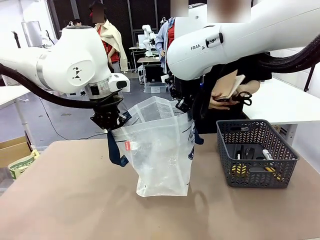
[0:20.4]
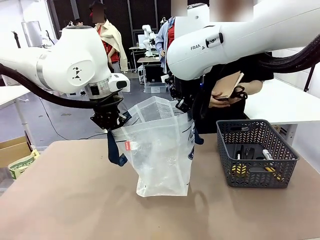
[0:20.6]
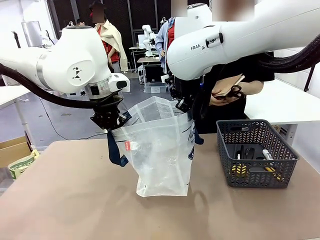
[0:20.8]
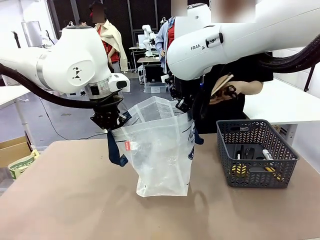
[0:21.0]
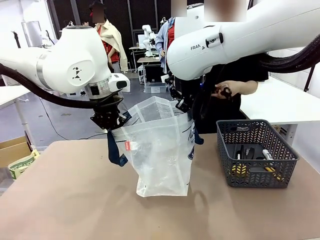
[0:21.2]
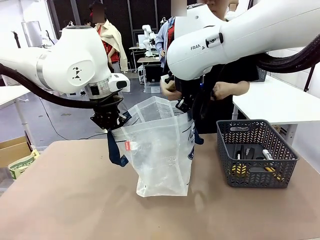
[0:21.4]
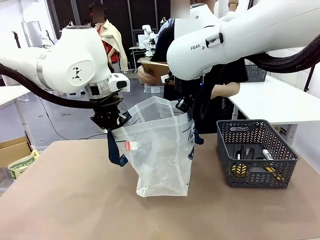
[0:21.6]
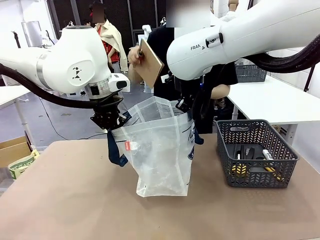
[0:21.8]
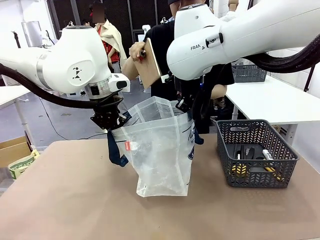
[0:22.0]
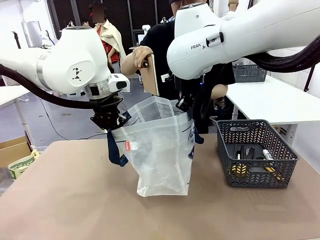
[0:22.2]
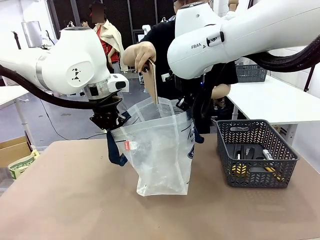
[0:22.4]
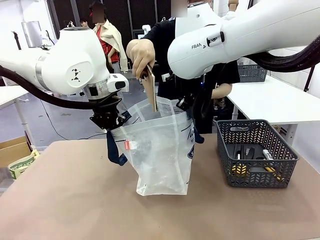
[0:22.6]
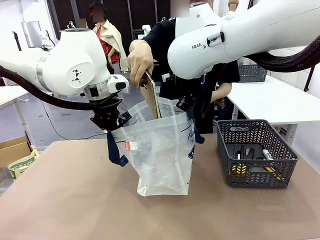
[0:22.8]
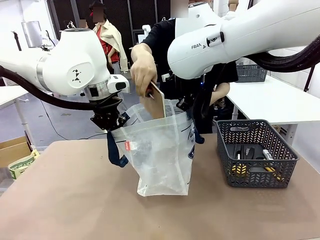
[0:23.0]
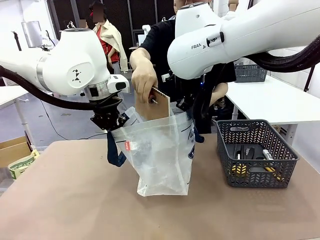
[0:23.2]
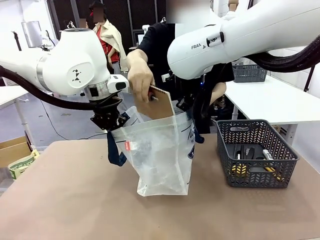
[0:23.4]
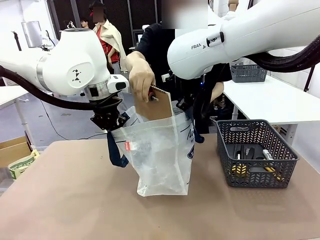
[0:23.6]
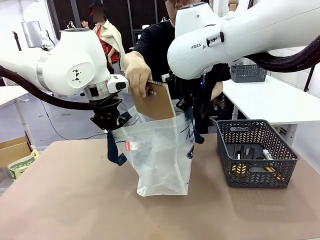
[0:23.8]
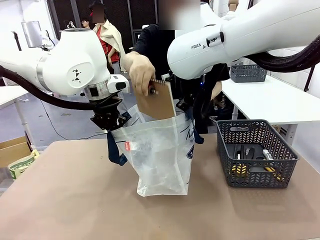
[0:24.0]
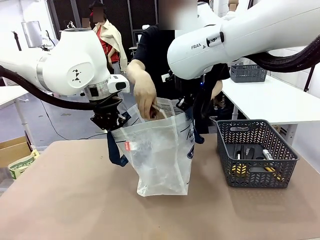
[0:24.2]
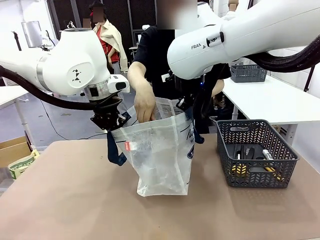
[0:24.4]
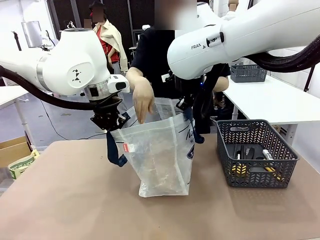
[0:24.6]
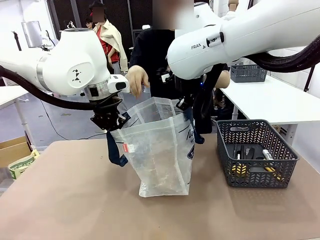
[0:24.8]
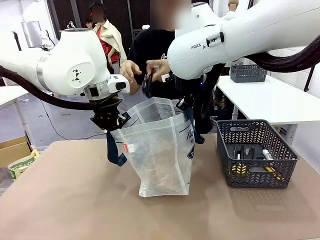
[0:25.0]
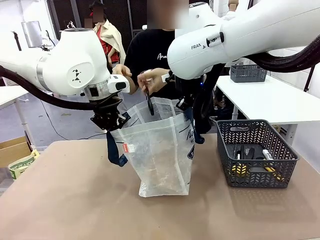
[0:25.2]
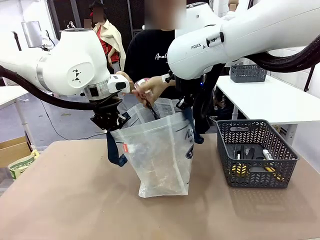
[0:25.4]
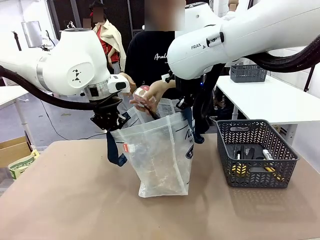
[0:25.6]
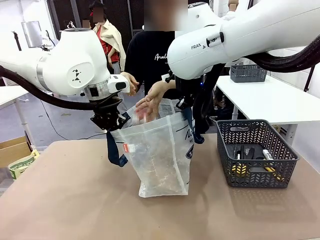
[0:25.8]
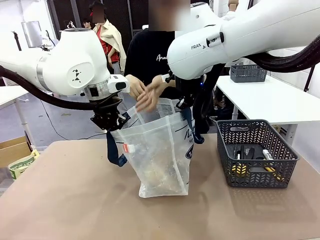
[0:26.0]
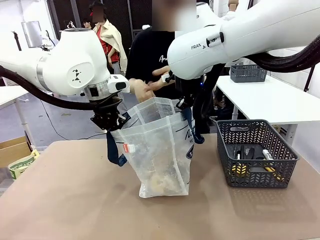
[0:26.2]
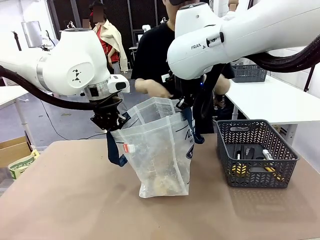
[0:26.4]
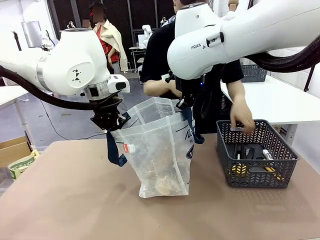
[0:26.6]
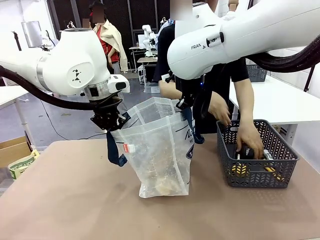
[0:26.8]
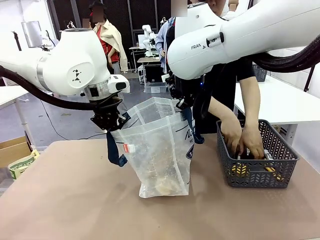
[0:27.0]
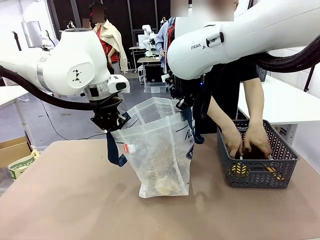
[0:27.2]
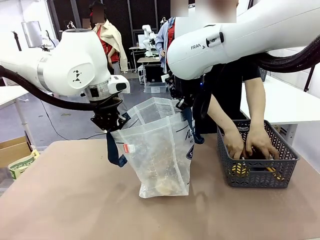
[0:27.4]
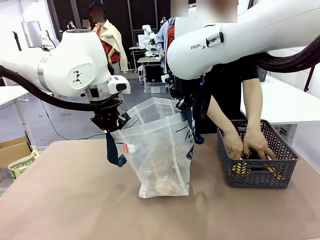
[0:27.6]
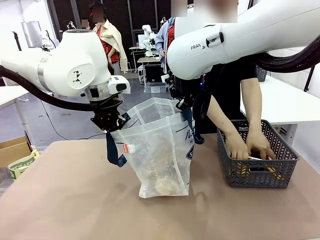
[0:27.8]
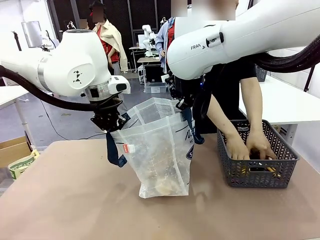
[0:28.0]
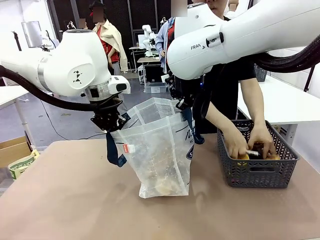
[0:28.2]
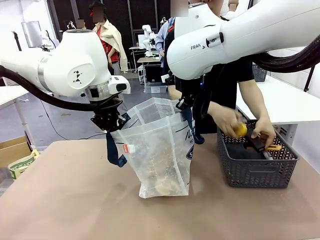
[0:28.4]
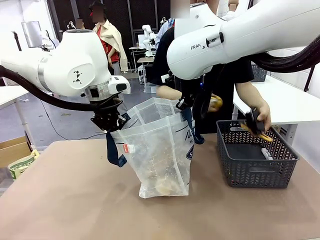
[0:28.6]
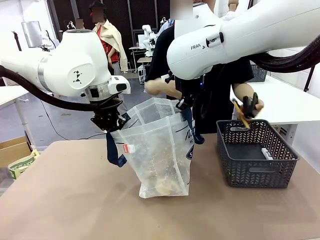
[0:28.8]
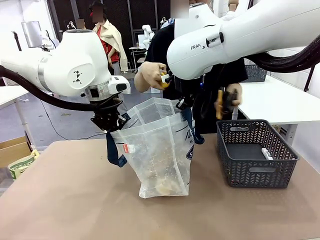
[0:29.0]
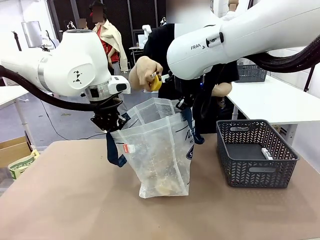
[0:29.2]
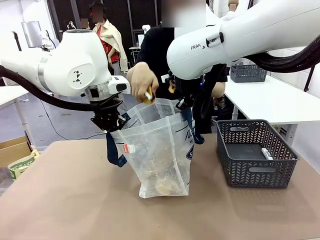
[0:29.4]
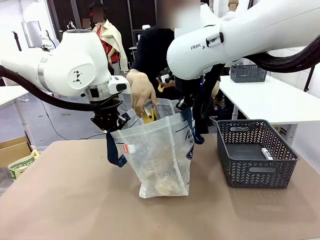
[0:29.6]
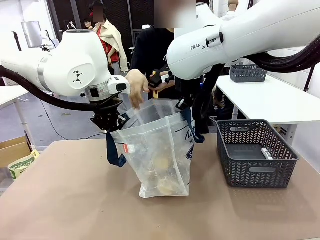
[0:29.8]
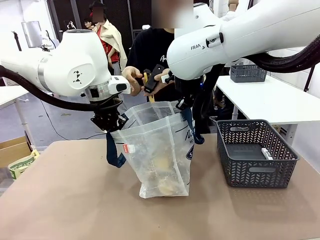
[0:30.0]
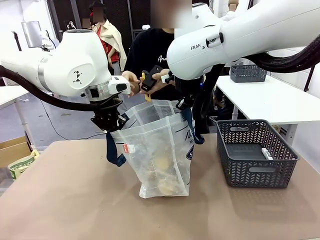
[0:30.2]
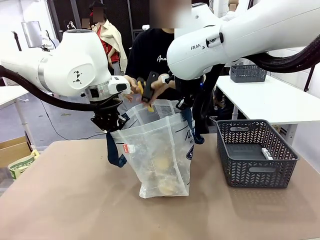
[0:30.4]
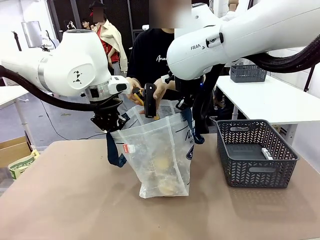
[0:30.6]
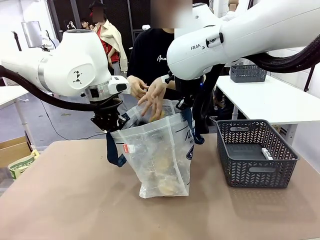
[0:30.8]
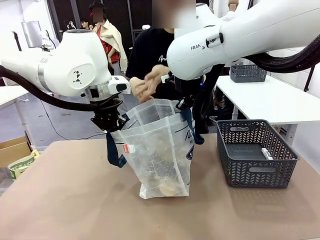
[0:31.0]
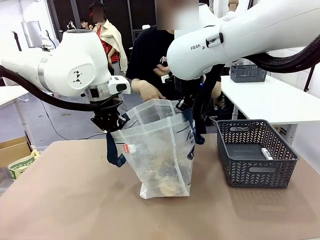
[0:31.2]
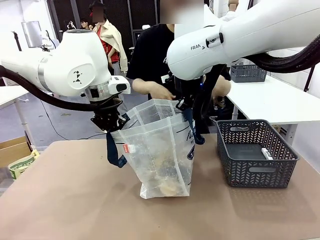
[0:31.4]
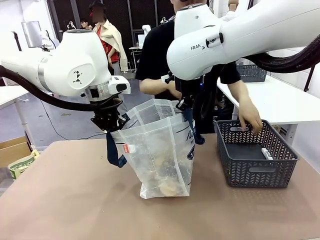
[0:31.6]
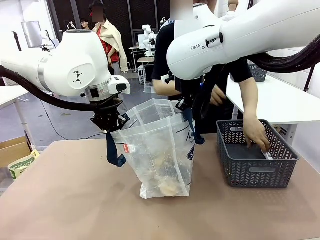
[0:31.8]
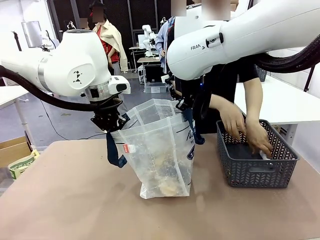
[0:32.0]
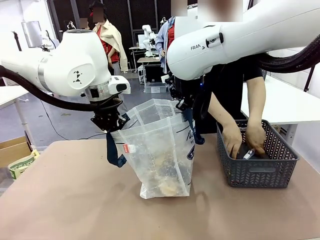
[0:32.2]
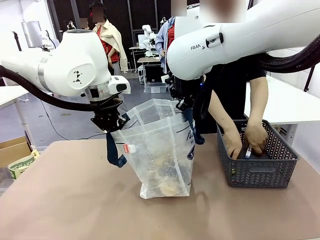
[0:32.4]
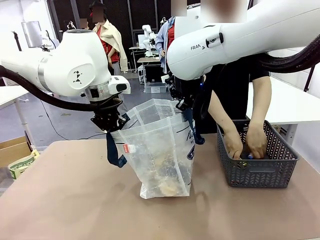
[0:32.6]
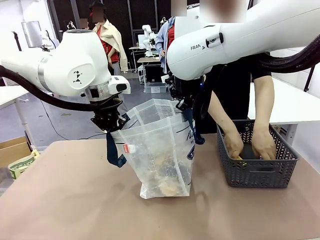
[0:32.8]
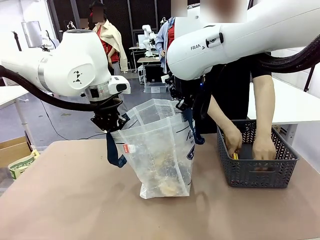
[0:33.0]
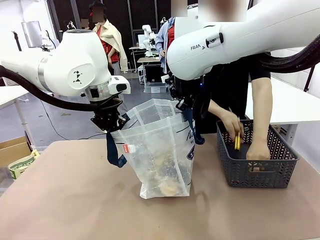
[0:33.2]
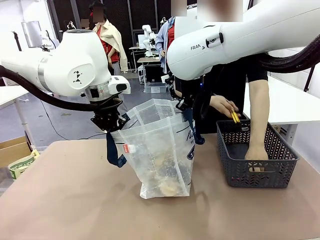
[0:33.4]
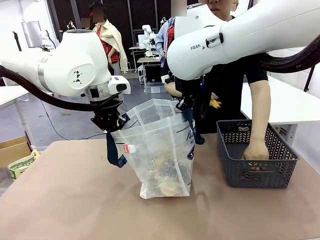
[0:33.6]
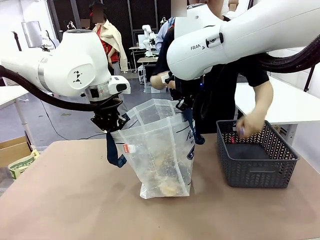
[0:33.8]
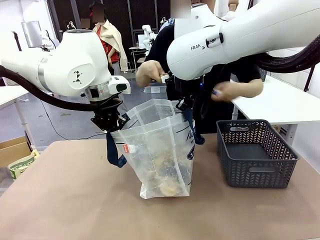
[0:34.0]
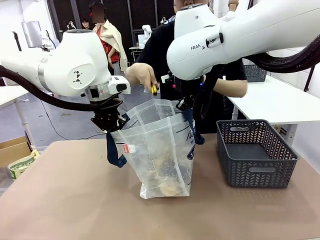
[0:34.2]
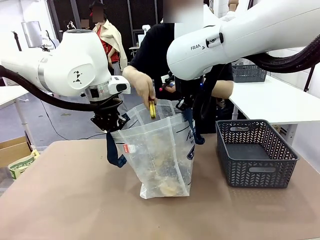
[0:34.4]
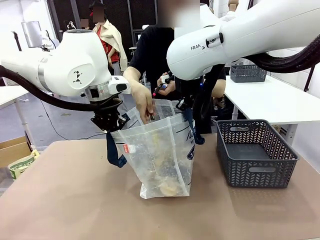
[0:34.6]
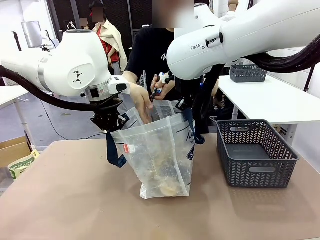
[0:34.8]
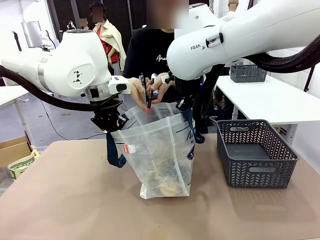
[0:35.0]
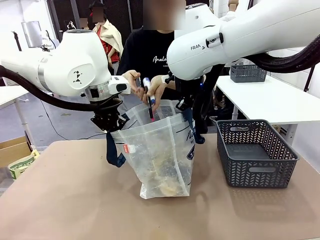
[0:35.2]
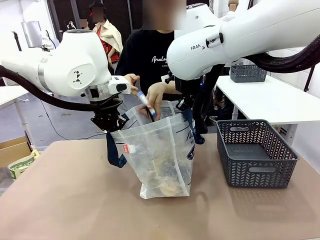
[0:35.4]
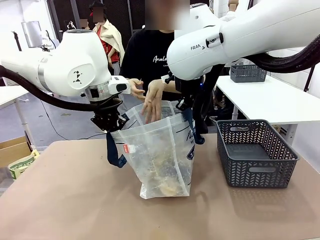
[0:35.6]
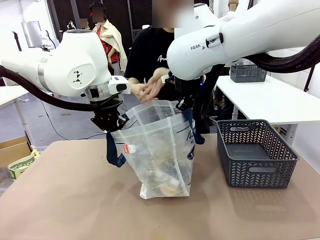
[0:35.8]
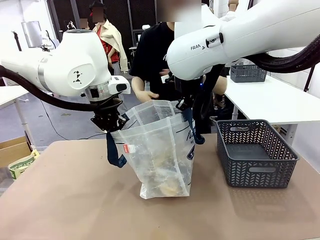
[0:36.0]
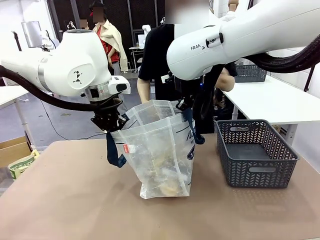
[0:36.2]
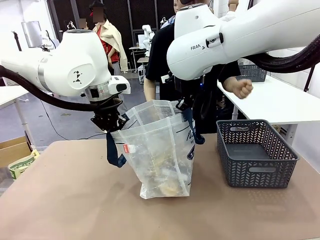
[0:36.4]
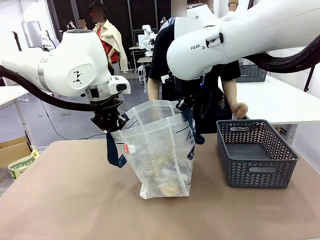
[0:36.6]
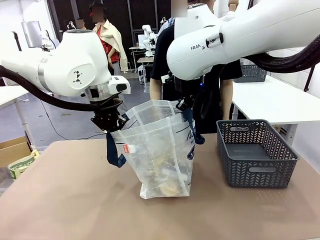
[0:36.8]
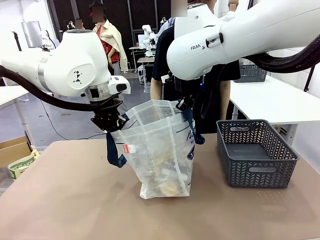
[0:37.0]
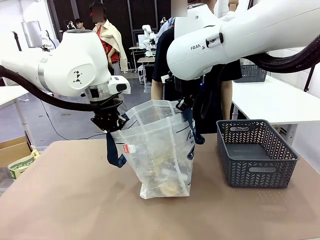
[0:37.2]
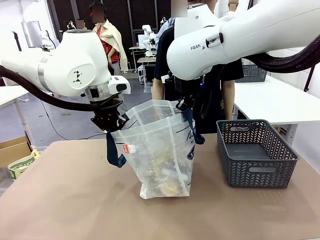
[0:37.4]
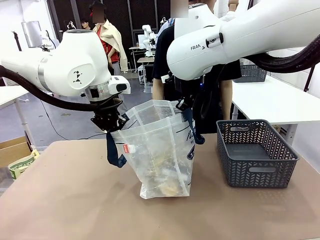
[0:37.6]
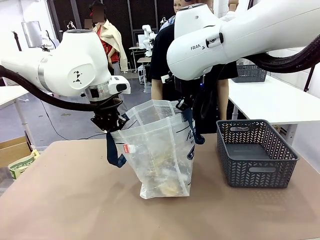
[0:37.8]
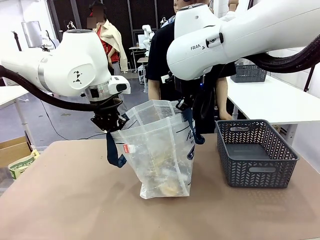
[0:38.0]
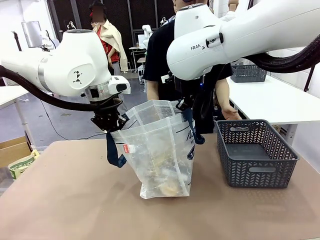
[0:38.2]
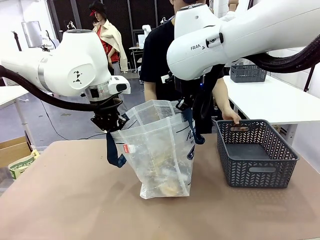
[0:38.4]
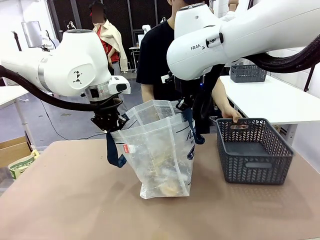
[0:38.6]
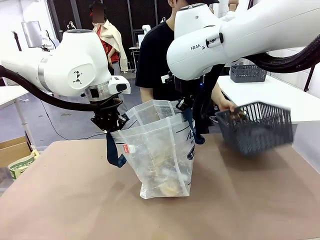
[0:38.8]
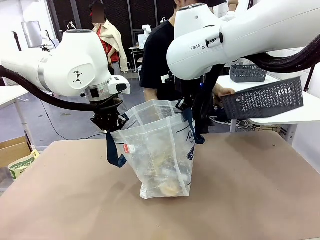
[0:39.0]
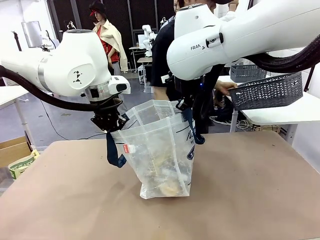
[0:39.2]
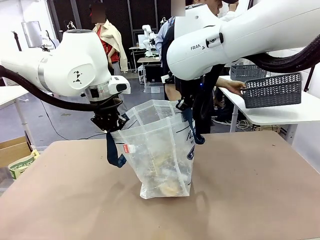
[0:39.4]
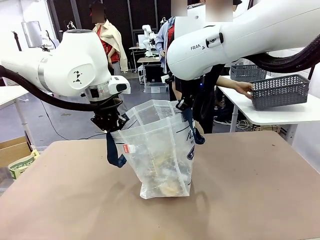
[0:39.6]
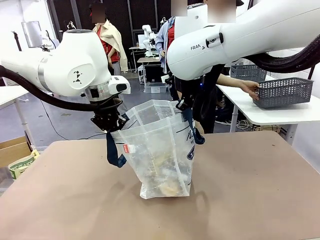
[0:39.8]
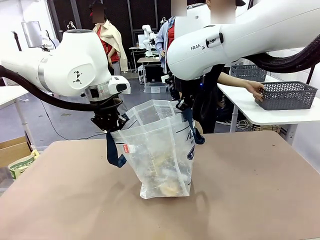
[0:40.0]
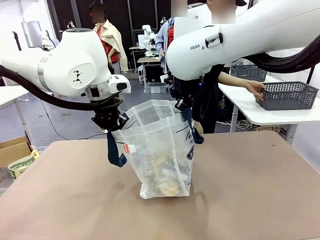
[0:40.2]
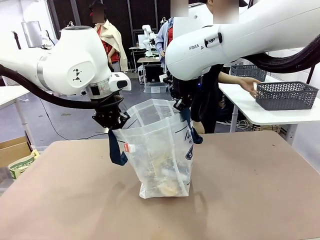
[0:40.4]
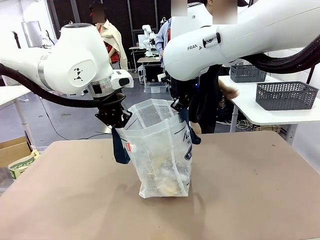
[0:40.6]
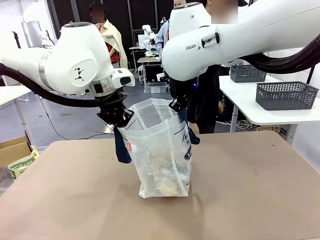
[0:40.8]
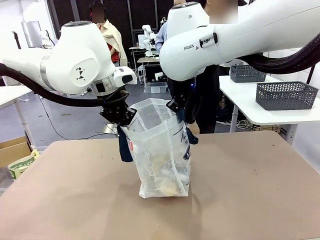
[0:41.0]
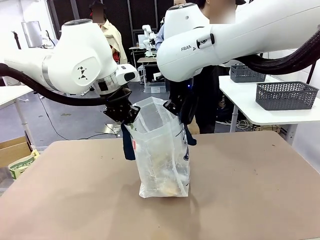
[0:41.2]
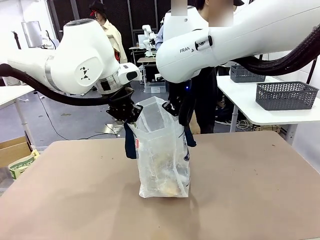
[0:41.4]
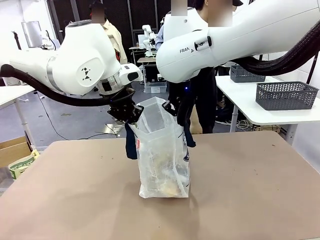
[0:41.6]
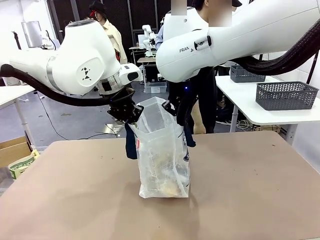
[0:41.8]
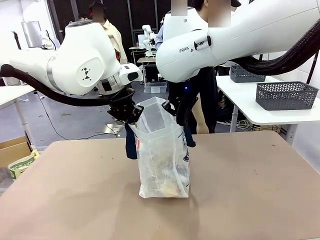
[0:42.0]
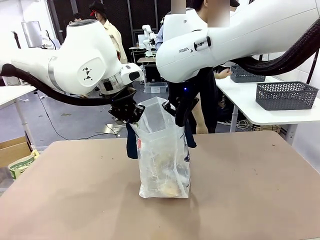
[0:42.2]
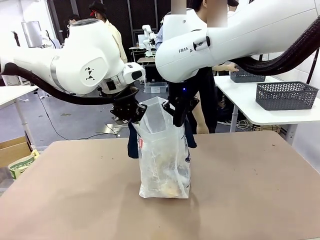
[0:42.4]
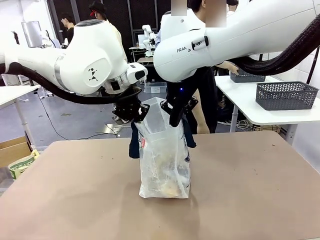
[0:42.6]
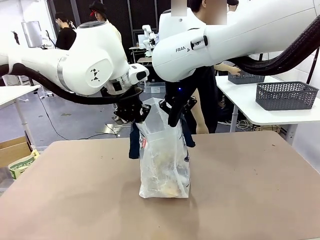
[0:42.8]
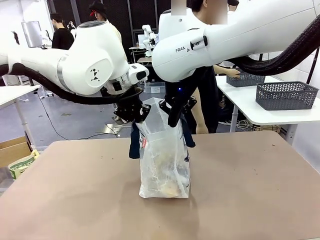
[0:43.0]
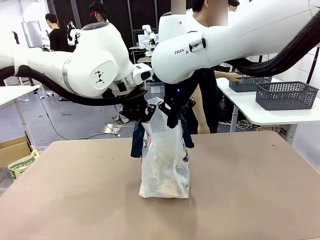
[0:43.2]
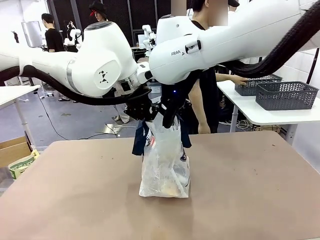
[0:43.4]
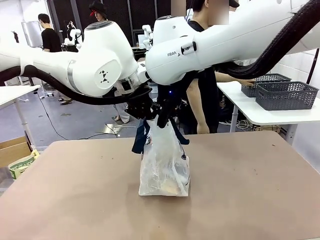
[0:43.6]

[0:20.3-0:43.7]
Task: Transfer purchased items from the store into the shopping bag.
Robot: Move the Reusable shopping bag to the right side of the table.
Person: Pick up the basket on the right, place it on the left side of the robot table, and move the items in the basket to the shopping bag. Pick up the basket with the items out and place it on the right side of the human table.
